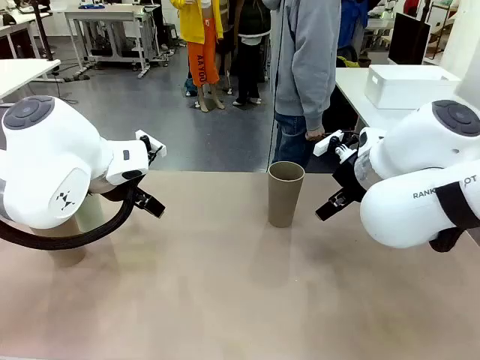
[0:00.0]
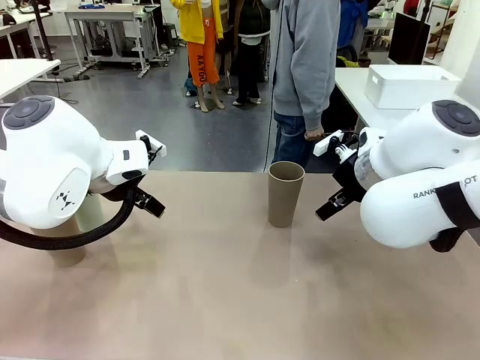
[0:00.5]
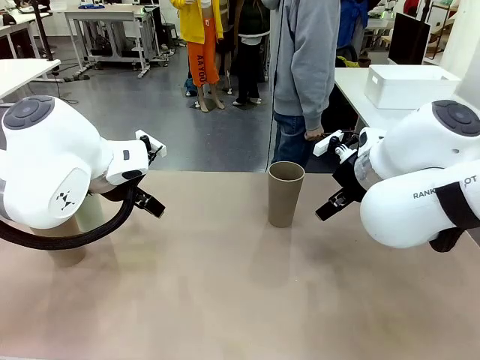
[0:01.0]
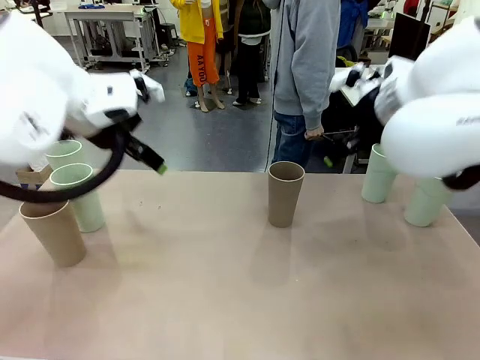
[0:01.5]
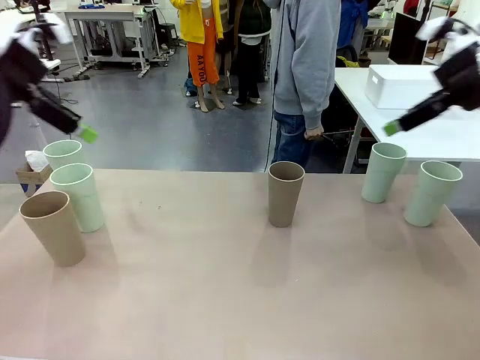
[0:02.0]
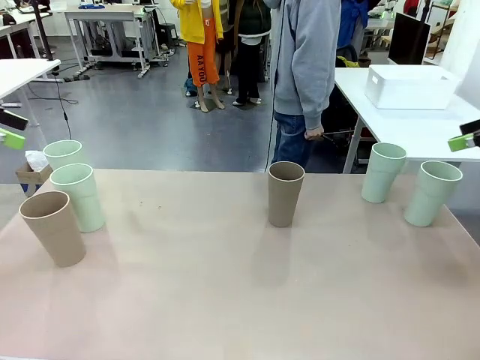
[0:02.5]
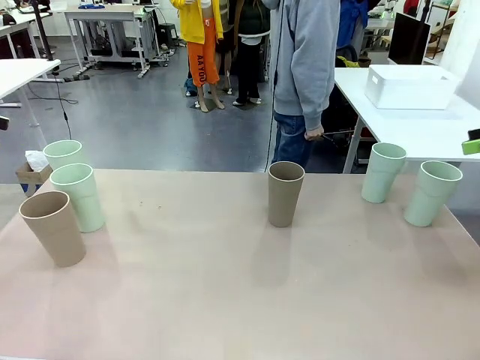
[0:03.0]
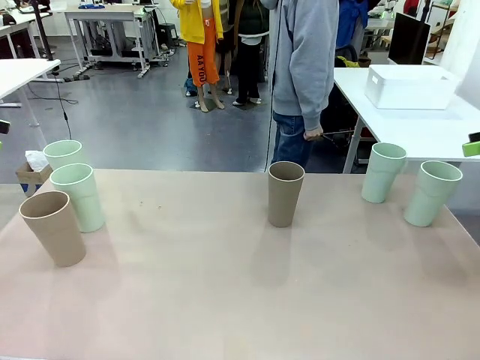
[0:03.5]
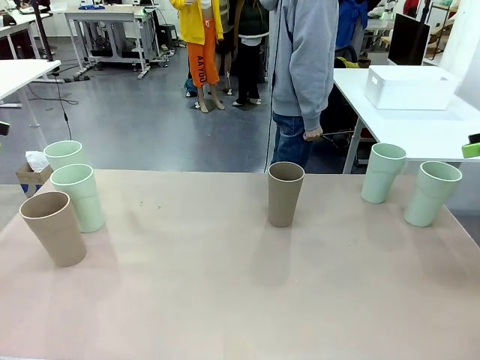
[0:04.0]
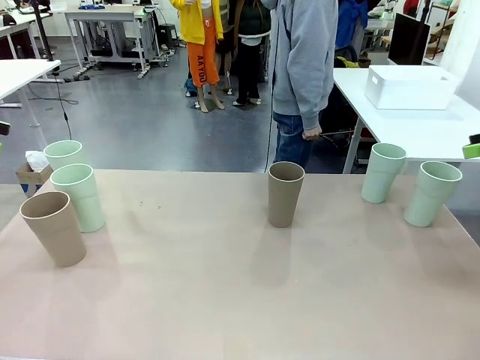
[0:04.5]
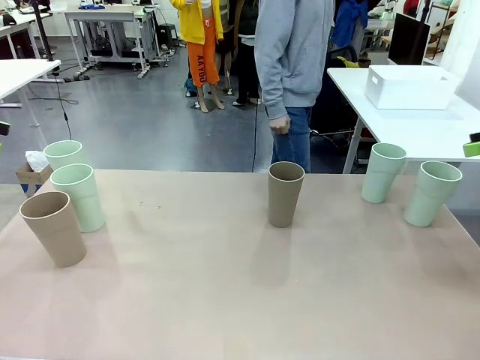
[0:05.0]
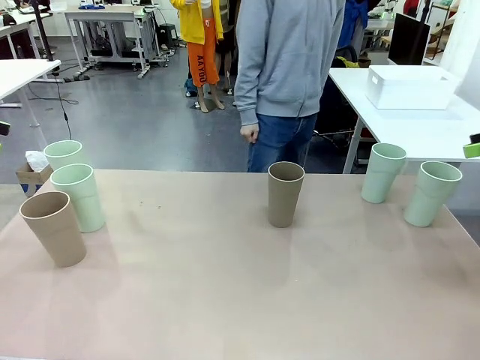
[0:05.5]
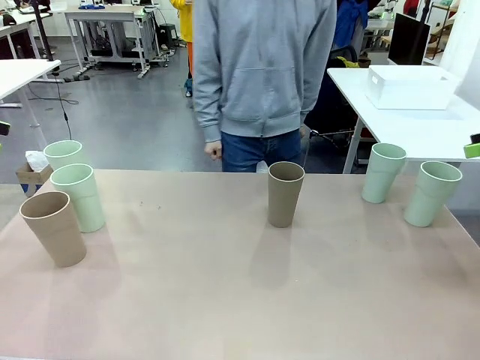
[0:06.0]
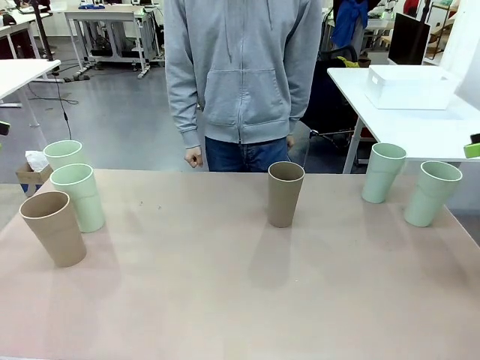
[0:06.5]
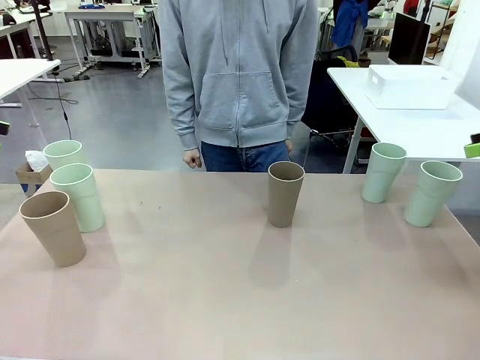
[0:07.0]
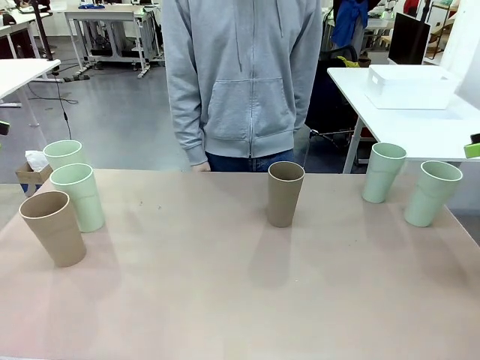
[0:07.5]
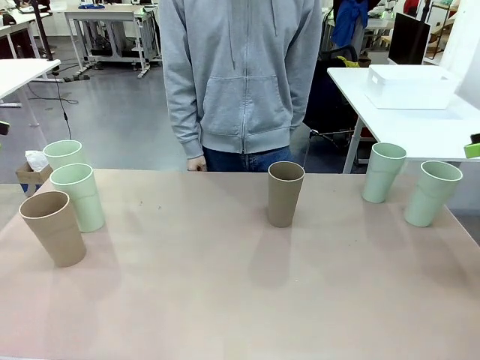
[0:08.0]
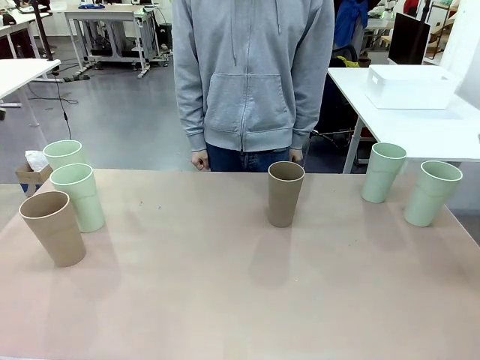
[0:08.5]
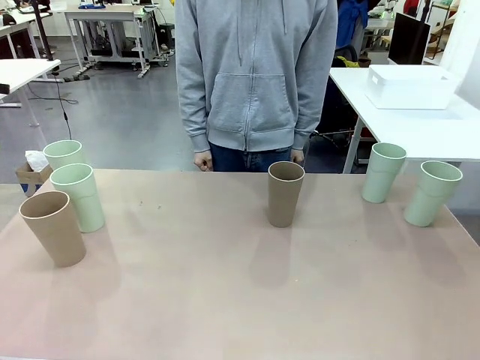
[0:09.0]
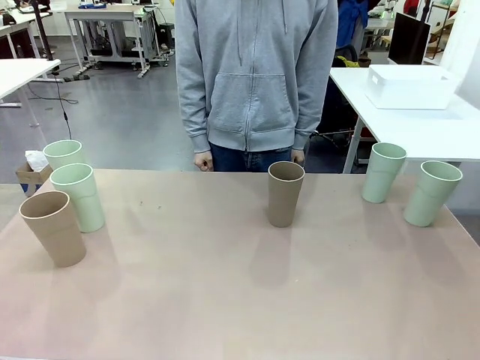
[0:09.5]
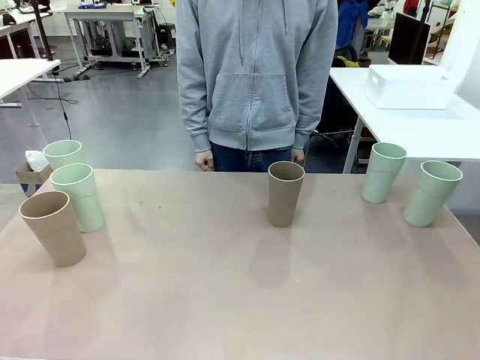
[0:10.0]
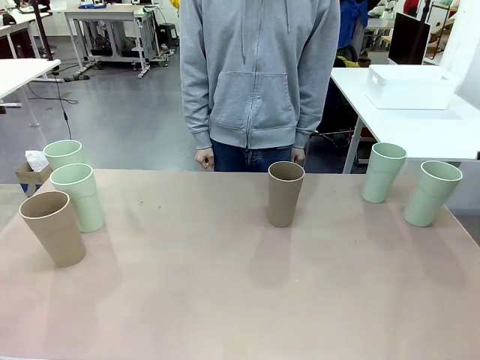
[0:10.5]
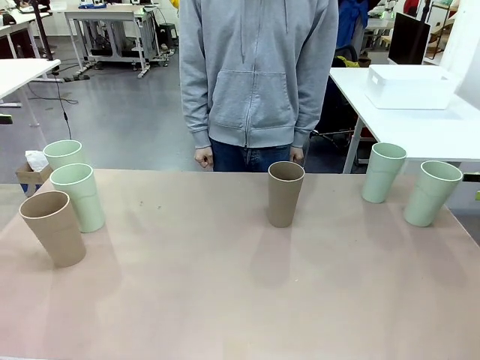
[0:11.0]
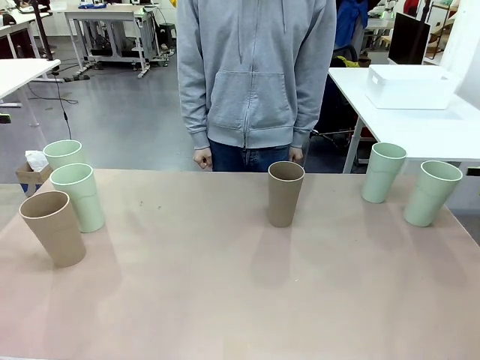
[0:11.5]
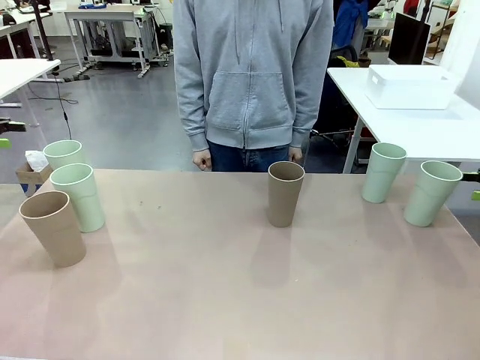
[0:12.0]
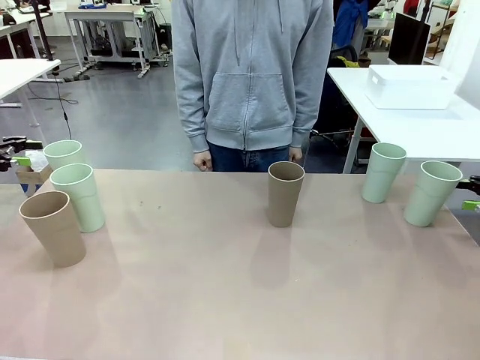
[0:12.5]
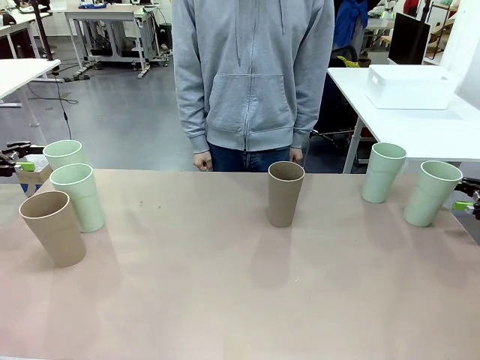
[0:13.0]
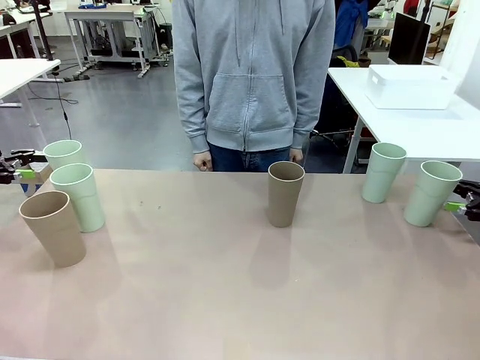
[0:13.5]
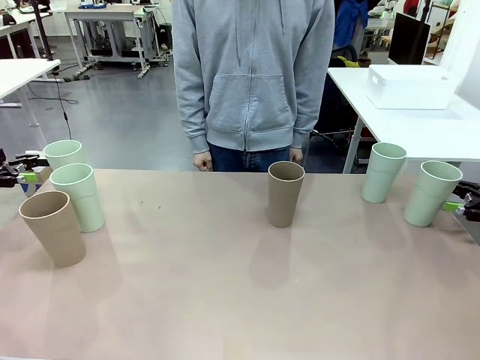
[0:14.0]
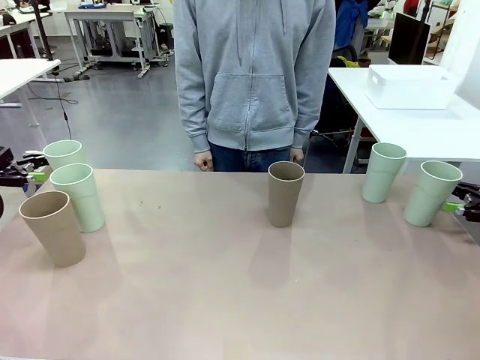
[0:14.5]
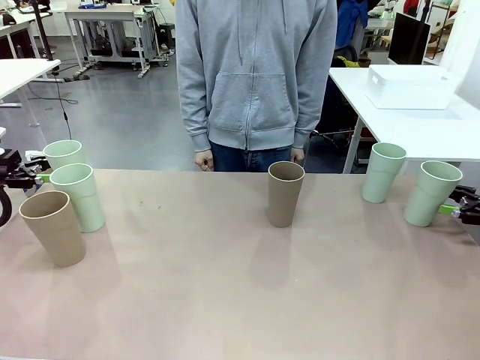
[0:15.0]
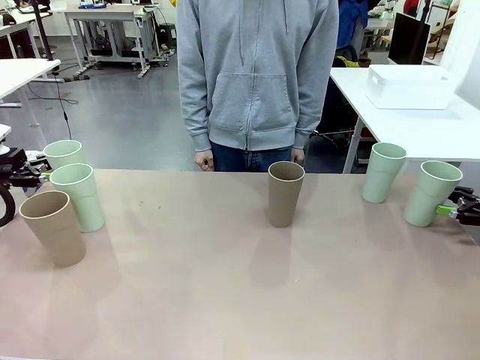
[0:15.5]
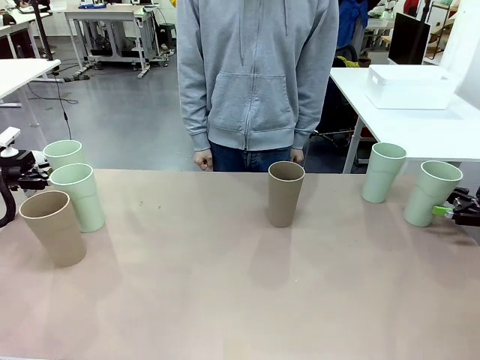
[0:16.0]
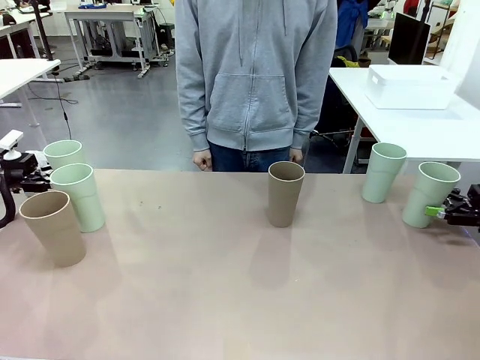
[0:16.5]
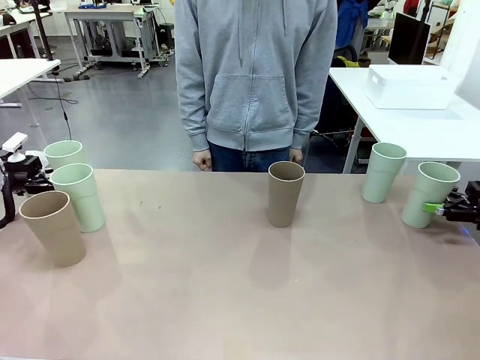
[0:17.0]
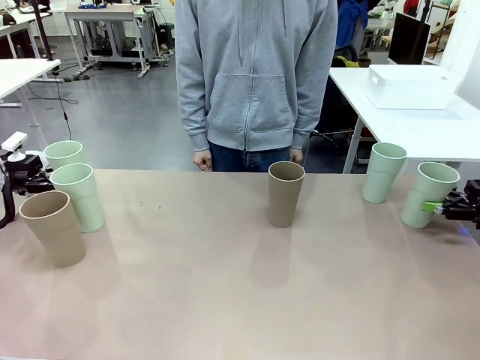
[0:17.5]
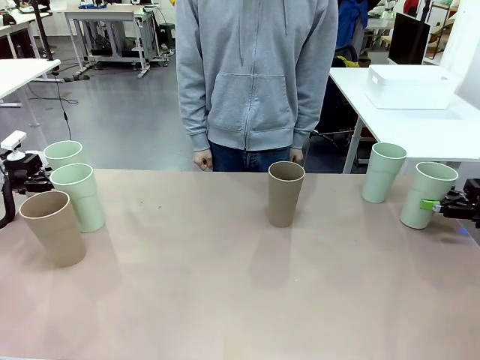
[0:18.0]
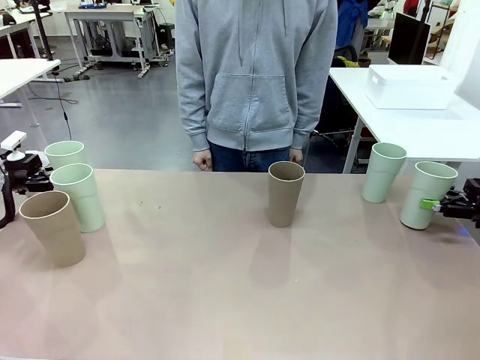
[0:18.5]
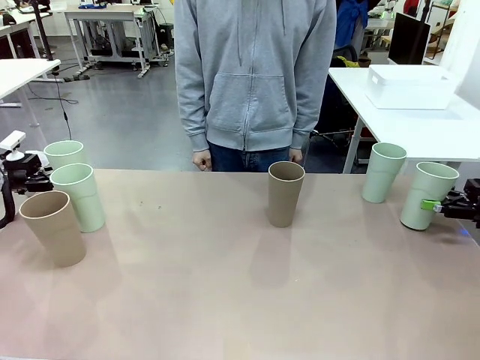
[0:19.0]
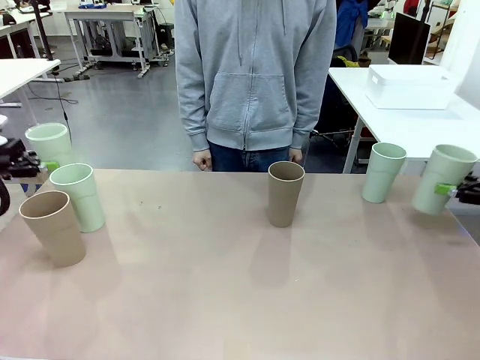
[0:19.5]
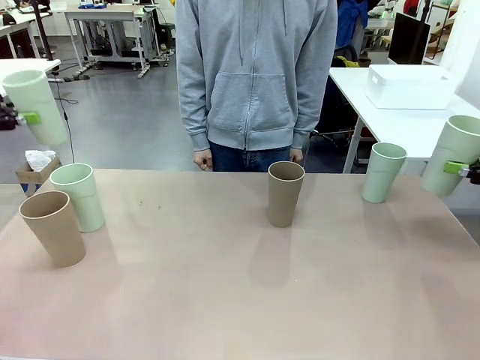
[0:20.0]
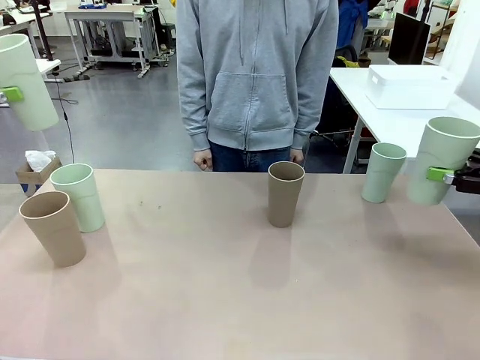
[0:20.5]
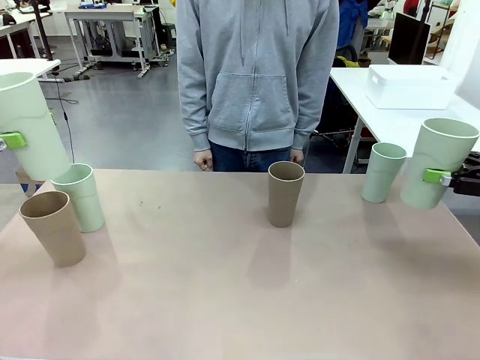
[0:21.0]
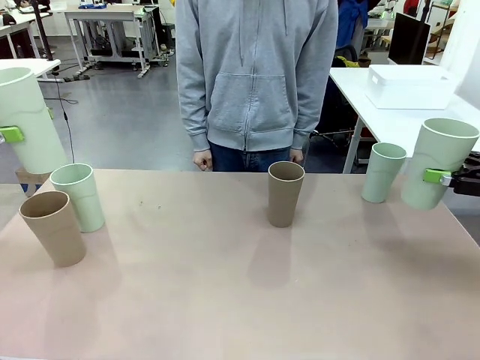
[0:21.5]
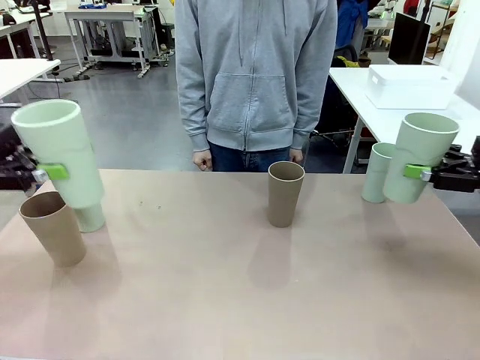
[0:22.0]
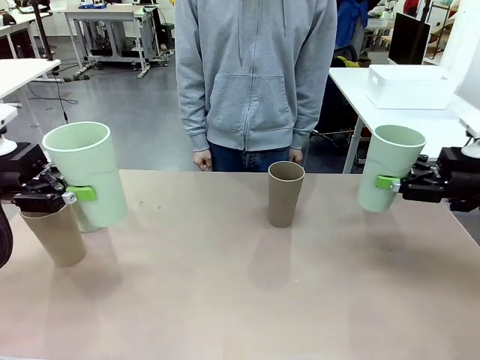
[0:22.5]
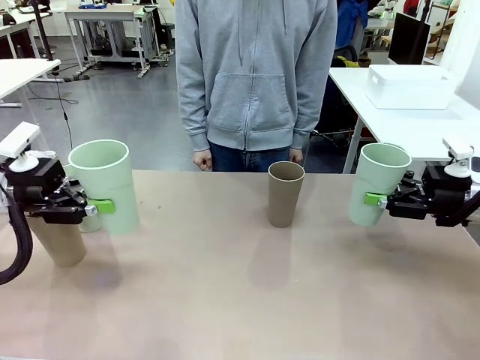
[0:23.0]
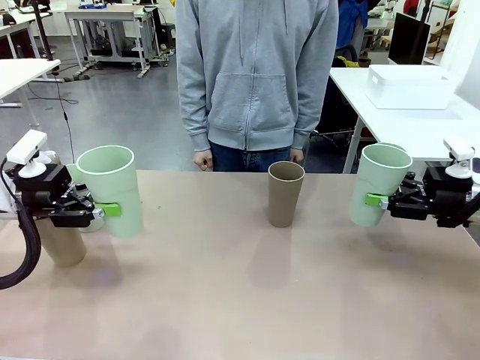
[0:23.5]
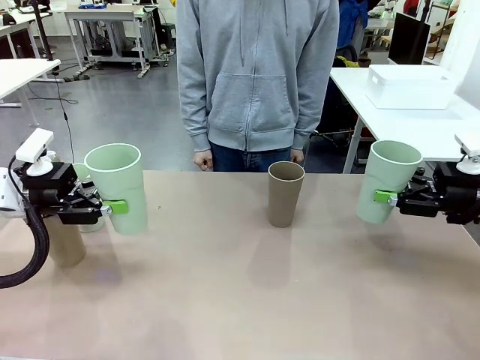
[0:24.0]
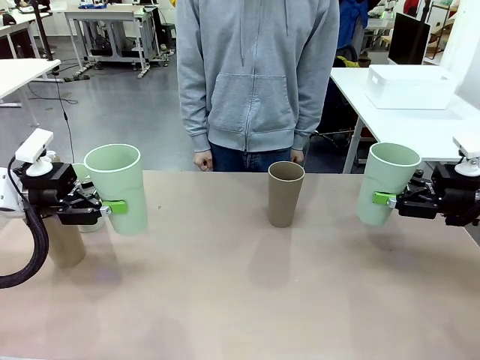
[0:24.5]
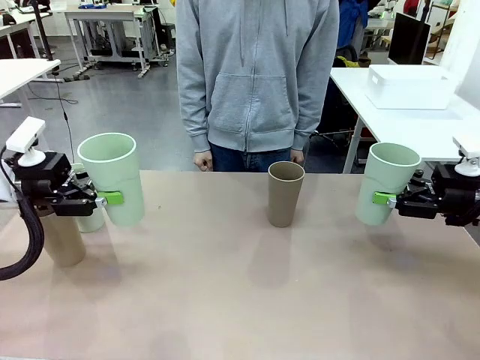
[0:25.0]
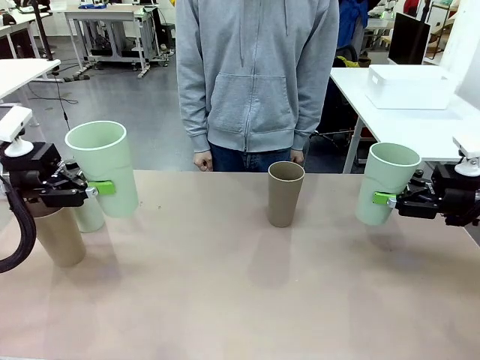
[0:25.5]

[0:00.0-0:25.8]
Task: Stack the cups and store them in the basket.
Robot: Pick up two Reusable plastic cups , one in each hand.
Person: Move from the Human Table to the front of the Robot Table. Stack two of the remaining cups on top of each cup held by the robot.
